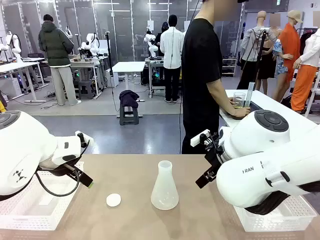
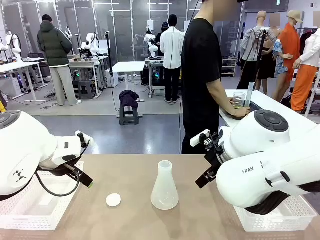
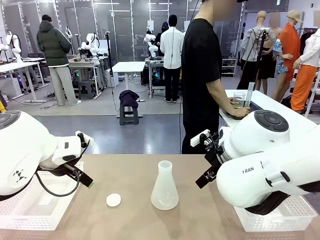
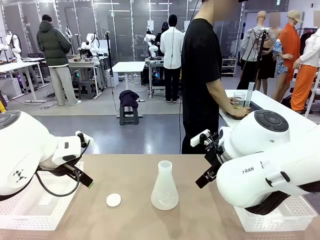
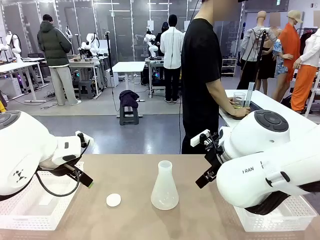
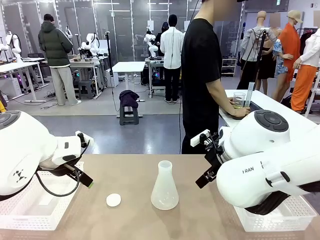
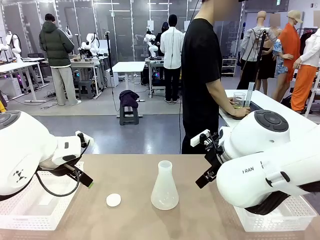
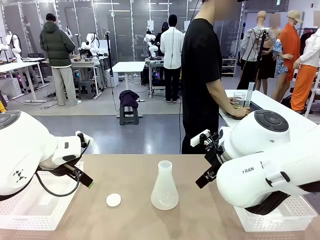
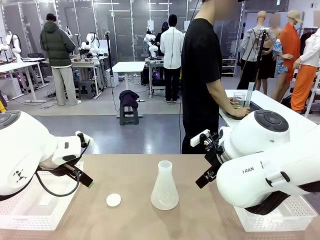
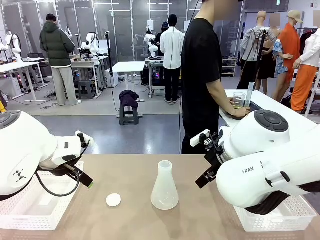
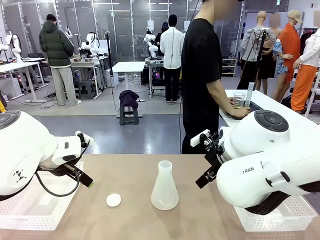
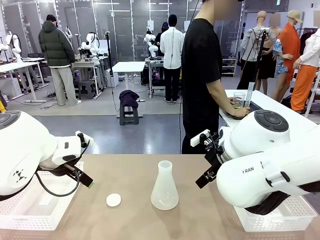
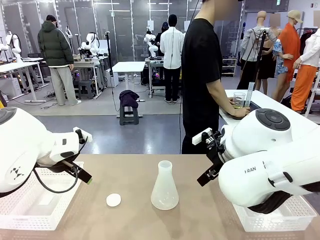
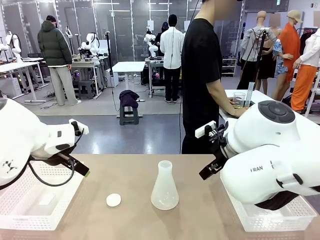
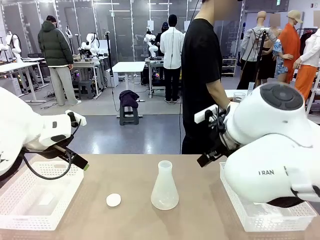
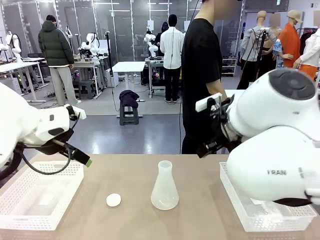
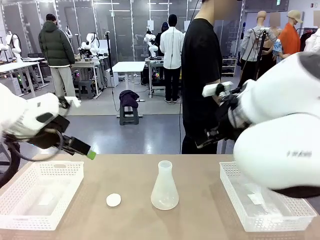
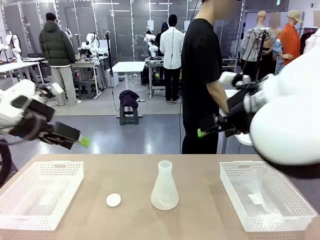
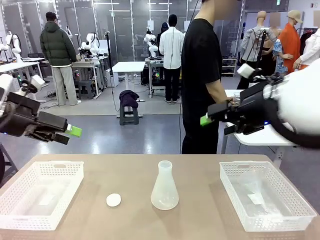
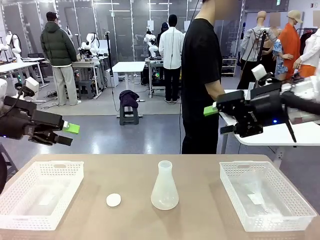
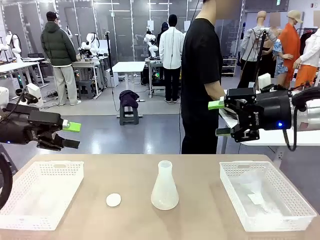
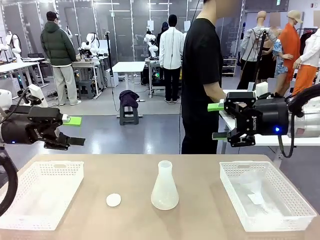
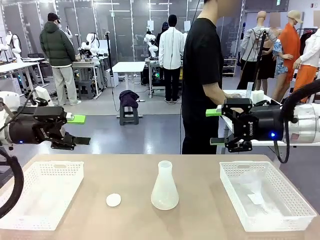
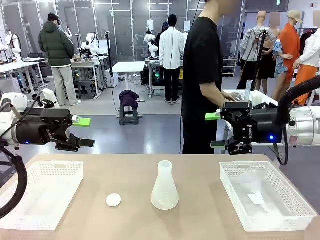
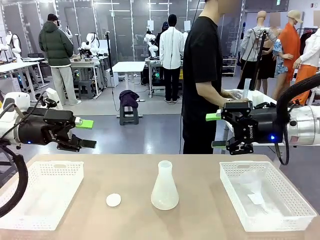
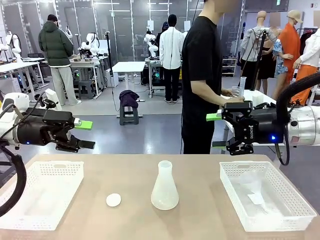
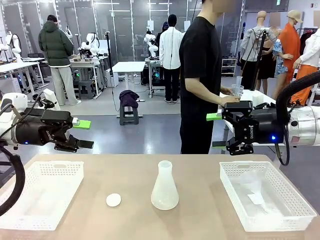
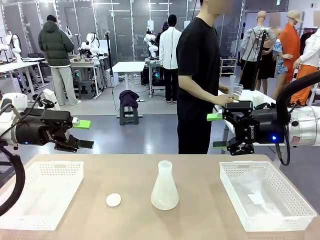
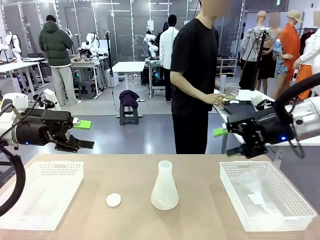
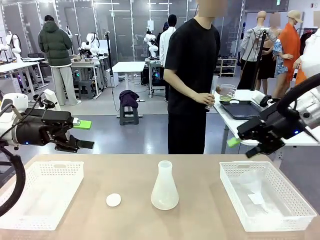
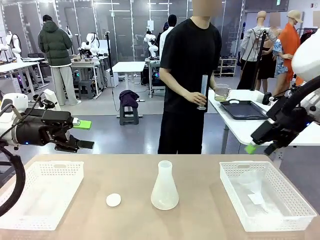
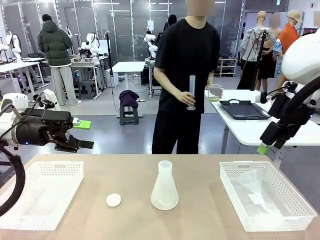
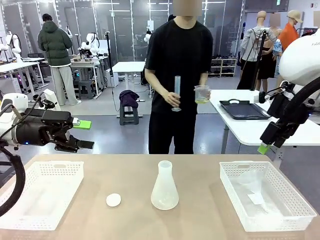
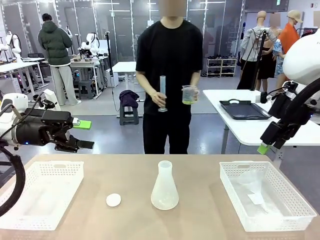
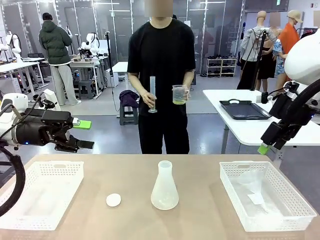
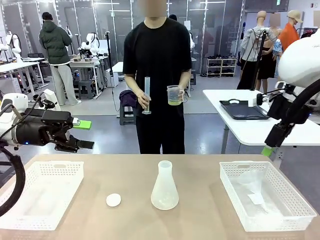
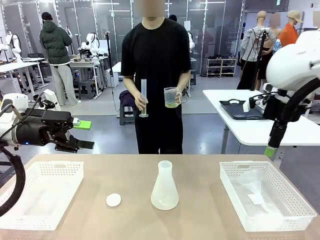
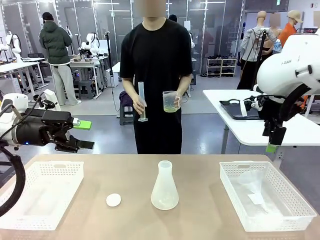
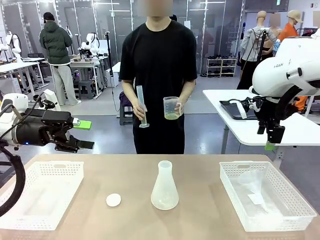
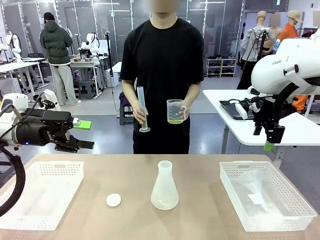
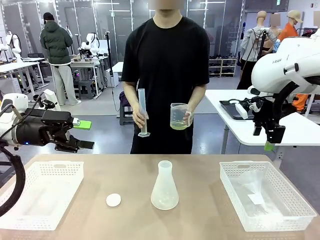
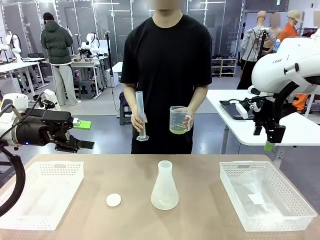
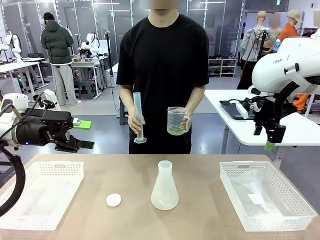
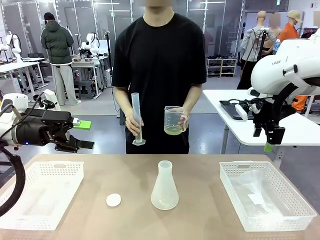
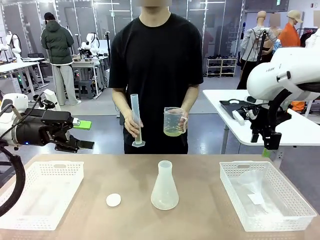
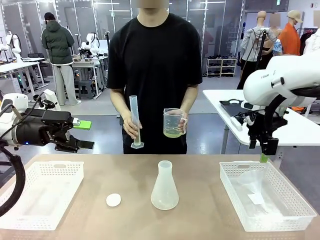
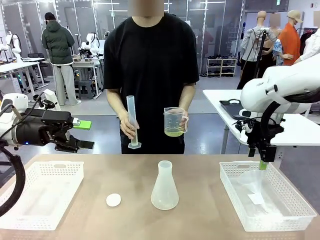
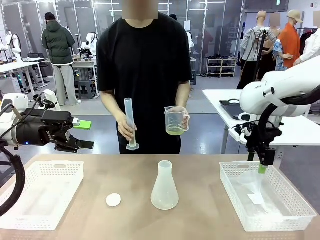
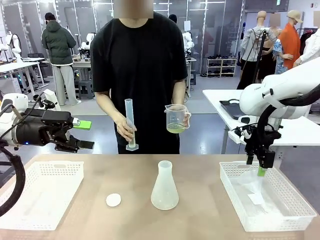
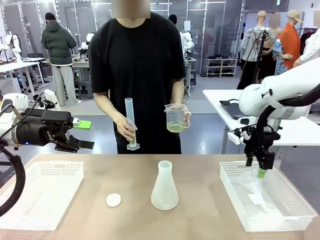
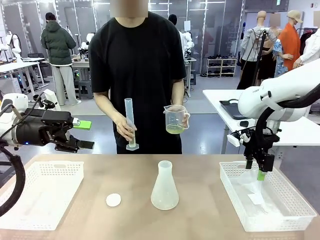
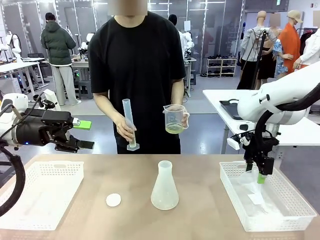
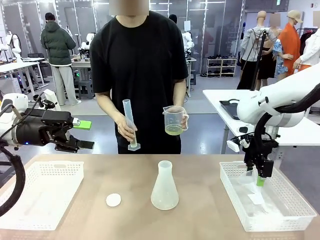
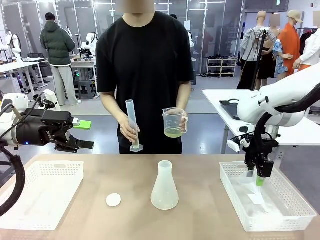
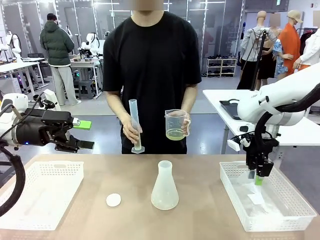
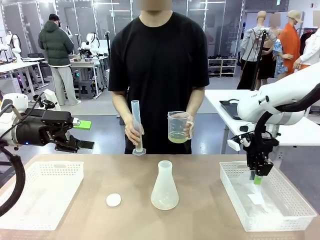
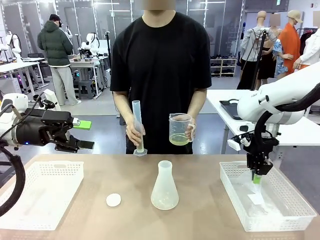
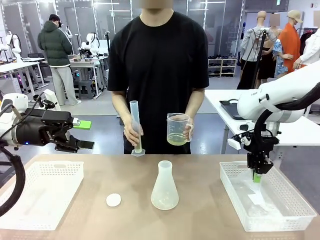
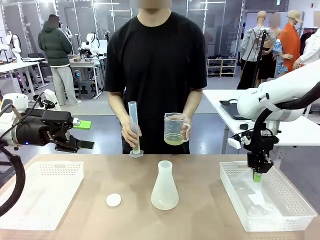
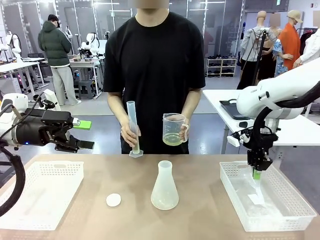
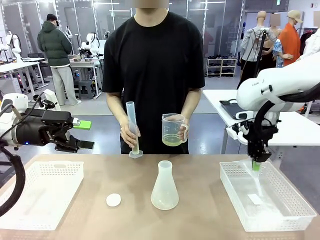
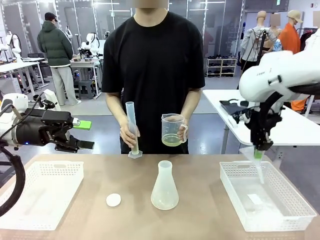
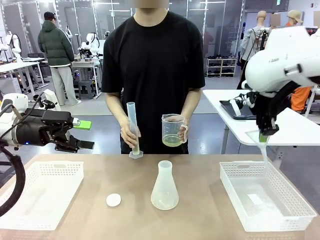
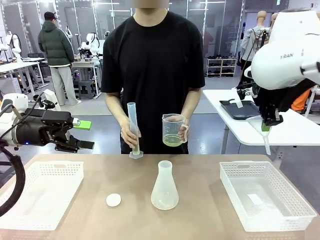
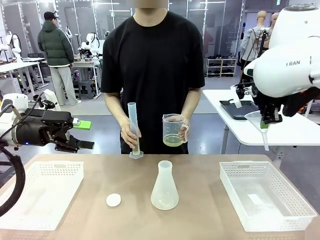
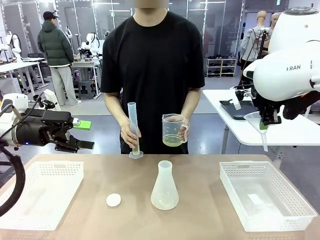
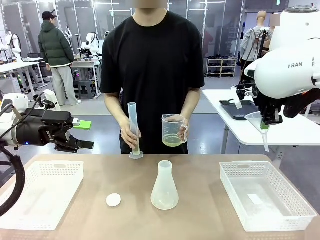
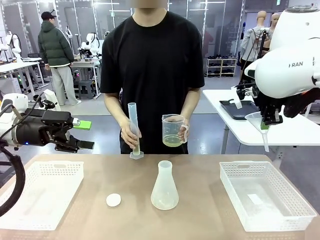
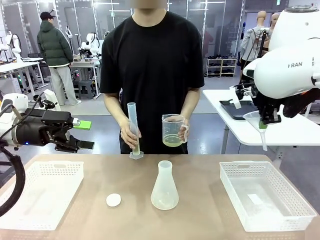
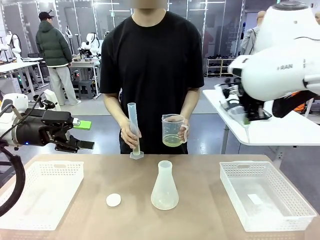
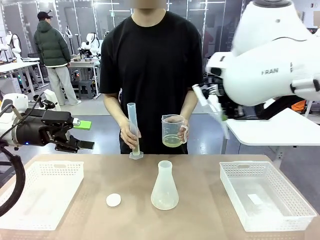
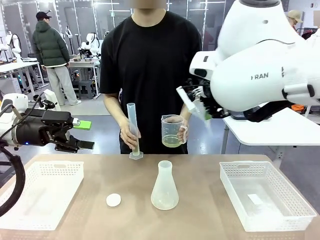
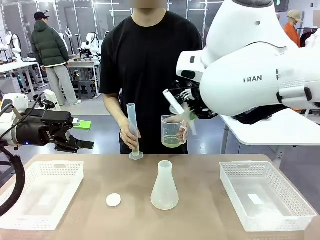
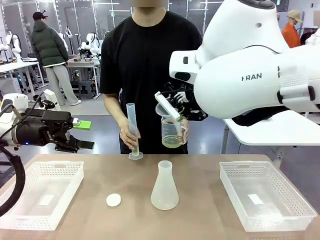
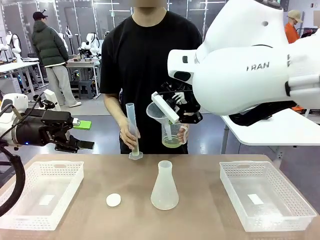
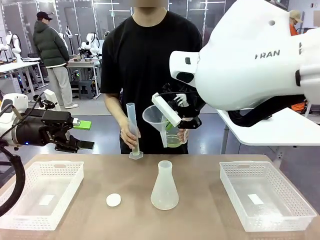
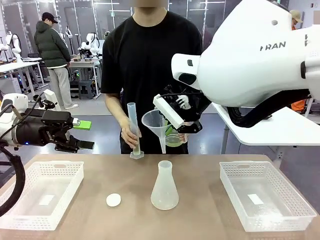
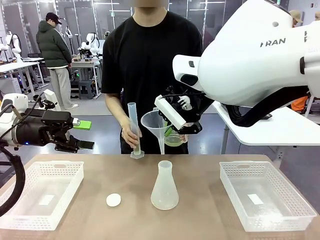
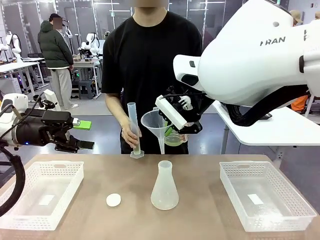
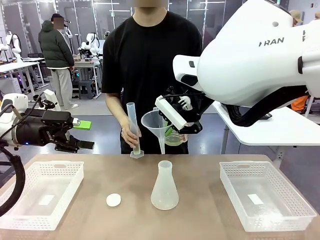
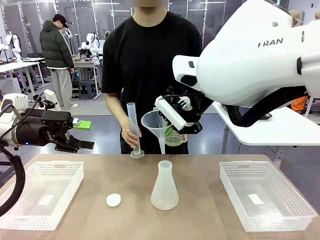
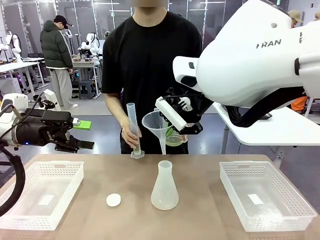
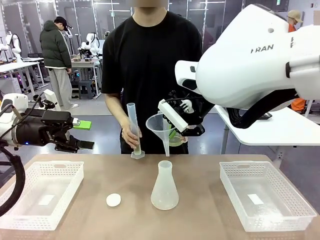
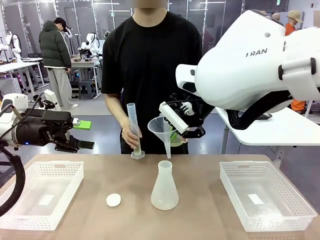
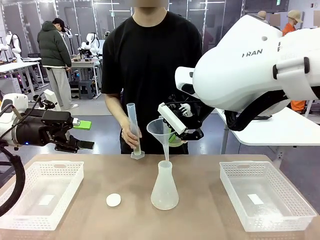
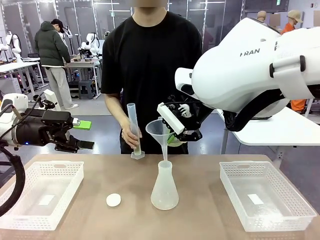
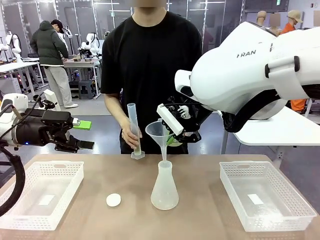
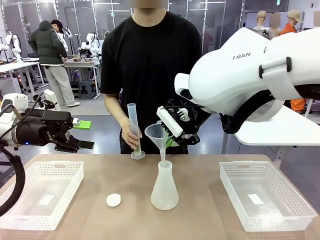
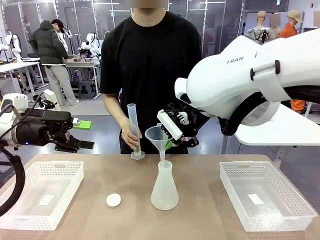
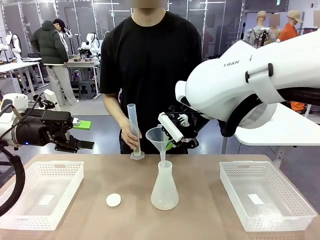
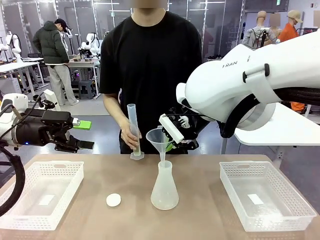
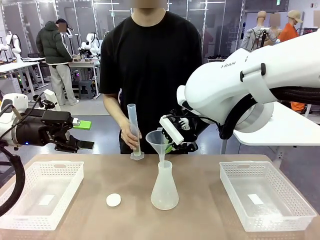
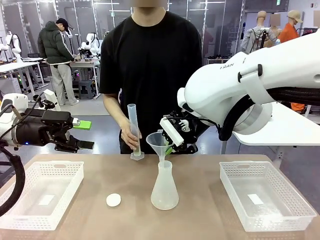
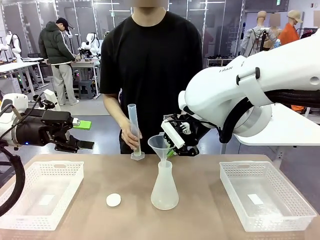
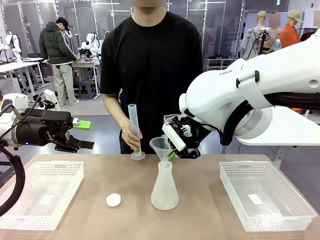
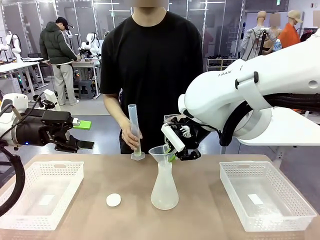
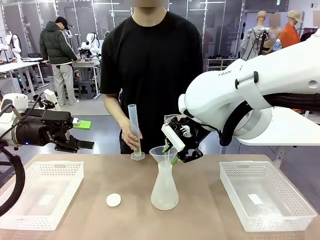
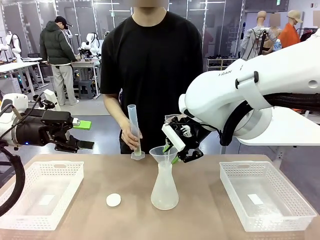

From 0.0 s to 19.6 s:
Task: Prepare the solutions needed for the experiment.
Robot: Pick up the Plastic Funnel and insert it into the Big flask.
Person: Pick up the beaker and the cylinder and move to the middle of the robot table. Pour the solution from the beaker and the cylinder into the flask.
